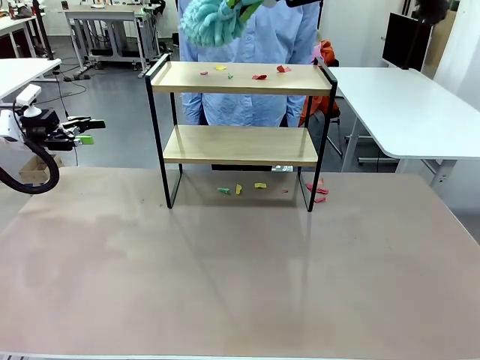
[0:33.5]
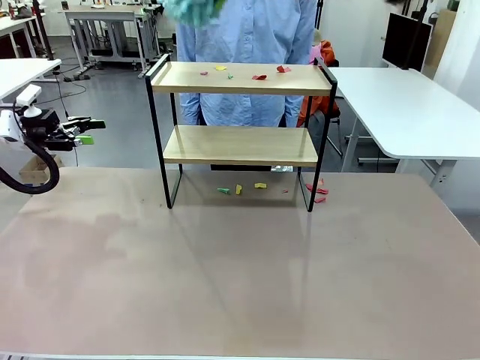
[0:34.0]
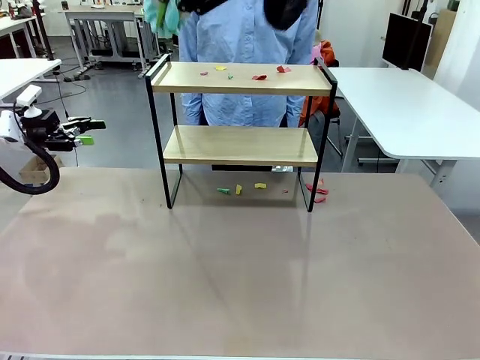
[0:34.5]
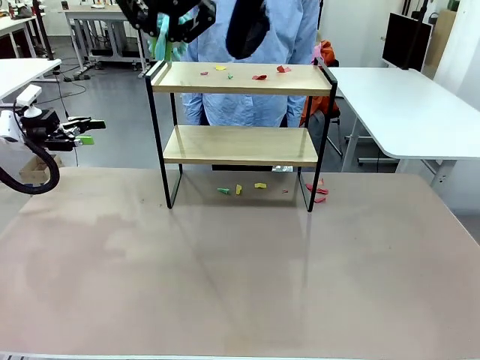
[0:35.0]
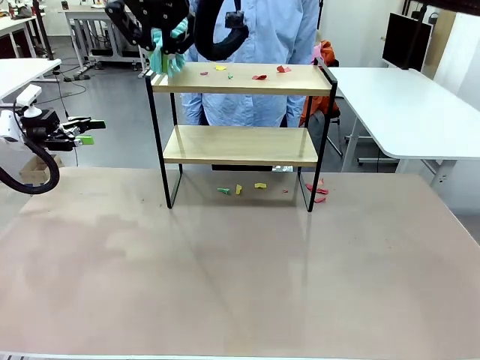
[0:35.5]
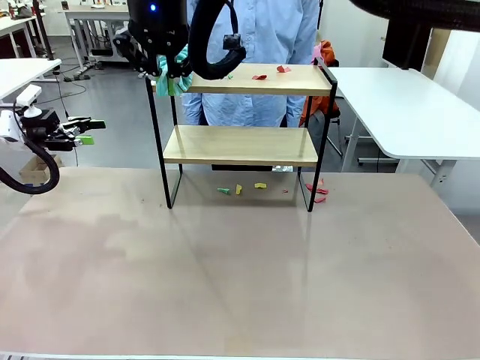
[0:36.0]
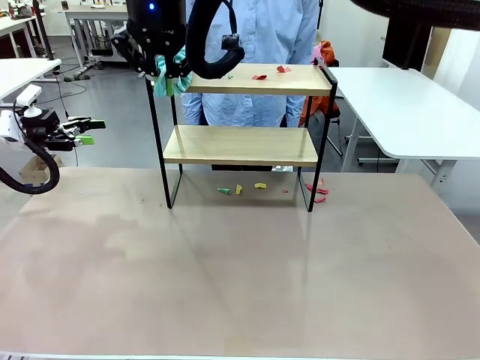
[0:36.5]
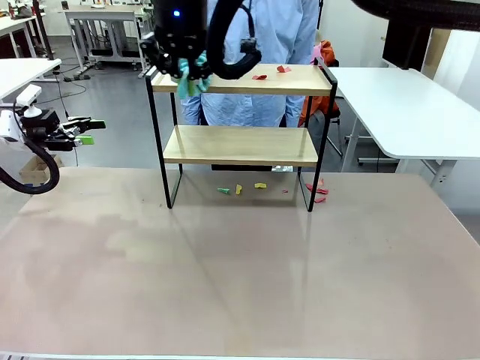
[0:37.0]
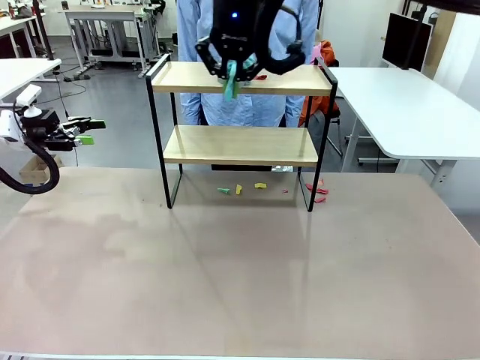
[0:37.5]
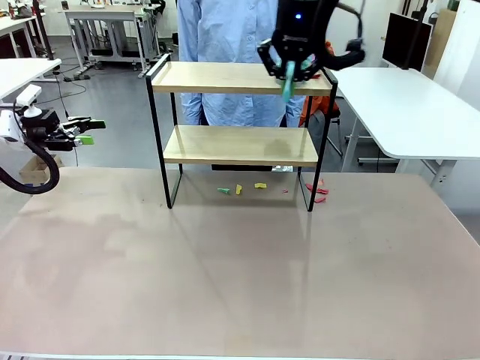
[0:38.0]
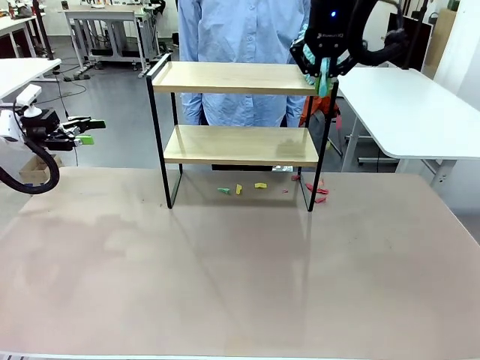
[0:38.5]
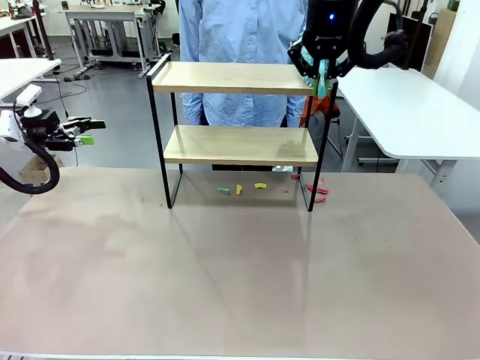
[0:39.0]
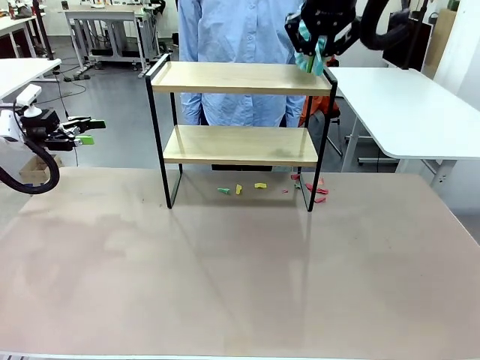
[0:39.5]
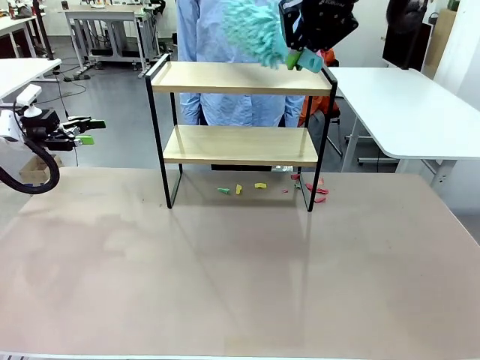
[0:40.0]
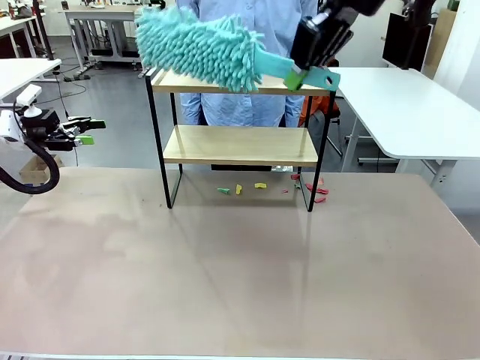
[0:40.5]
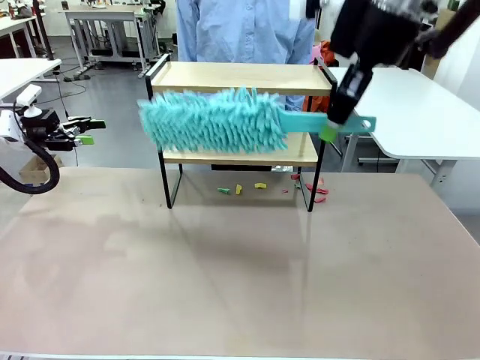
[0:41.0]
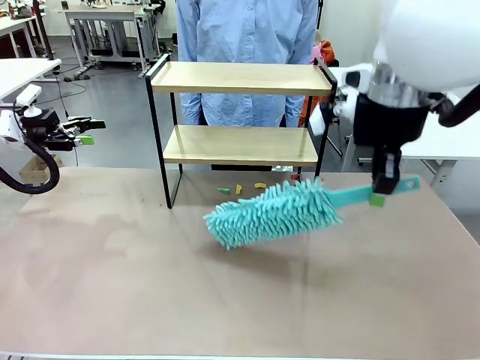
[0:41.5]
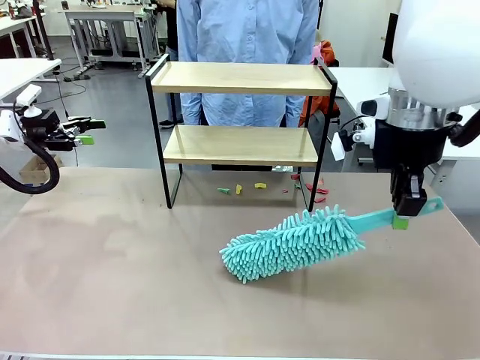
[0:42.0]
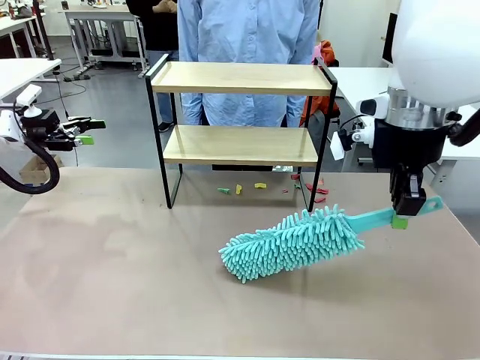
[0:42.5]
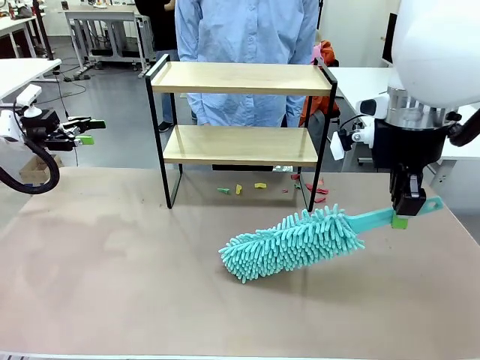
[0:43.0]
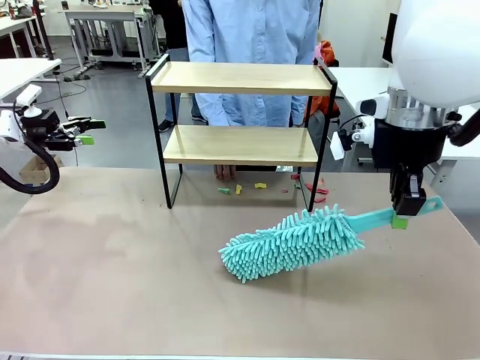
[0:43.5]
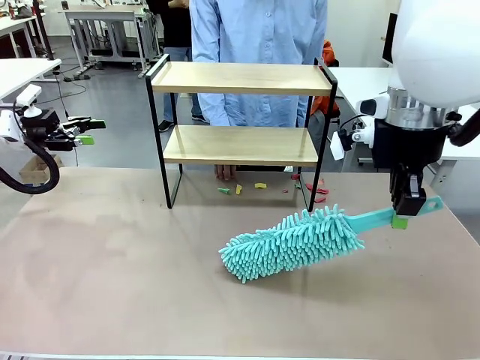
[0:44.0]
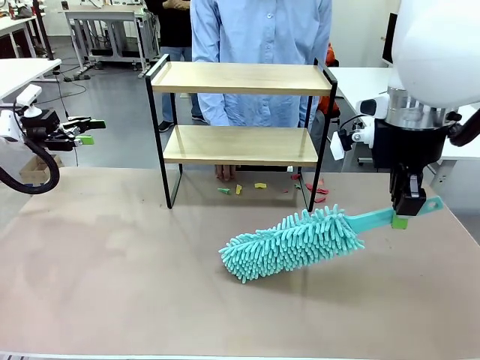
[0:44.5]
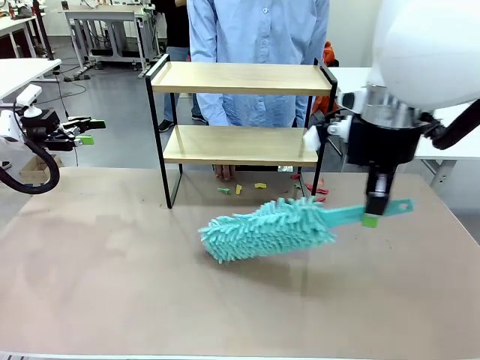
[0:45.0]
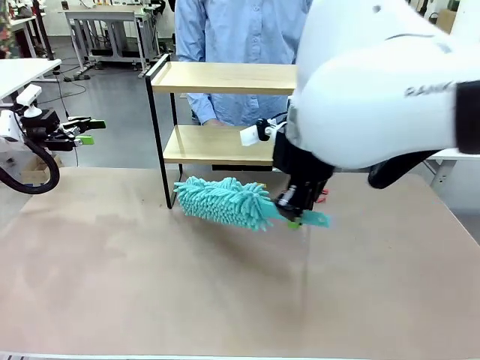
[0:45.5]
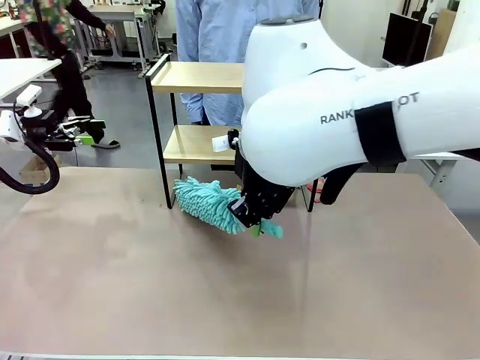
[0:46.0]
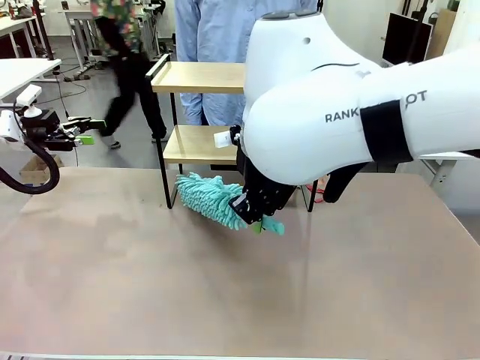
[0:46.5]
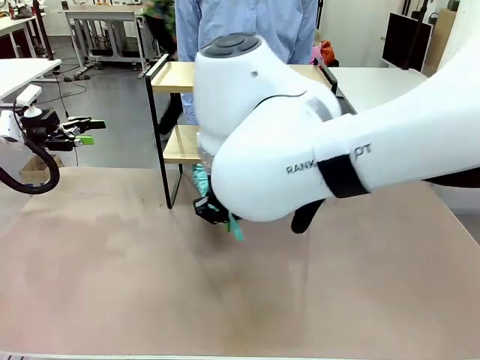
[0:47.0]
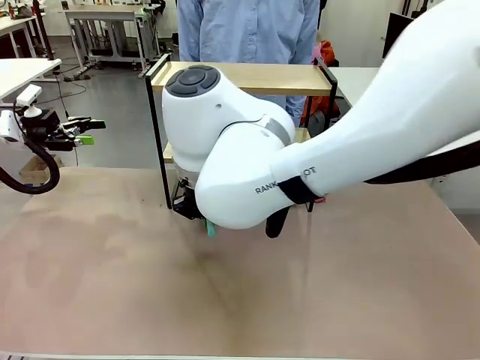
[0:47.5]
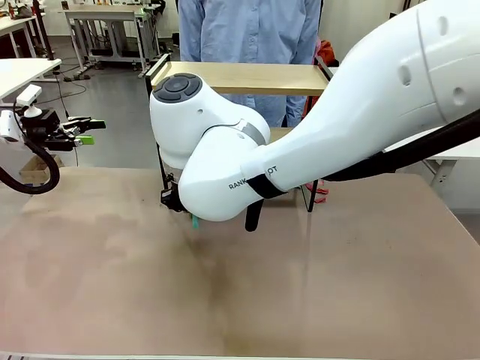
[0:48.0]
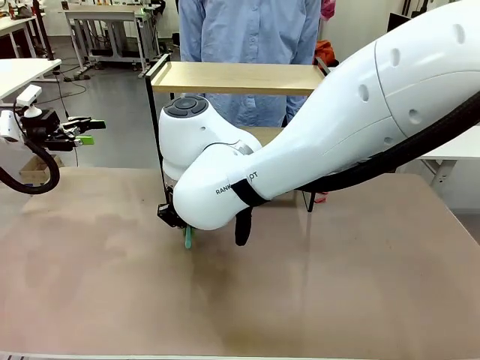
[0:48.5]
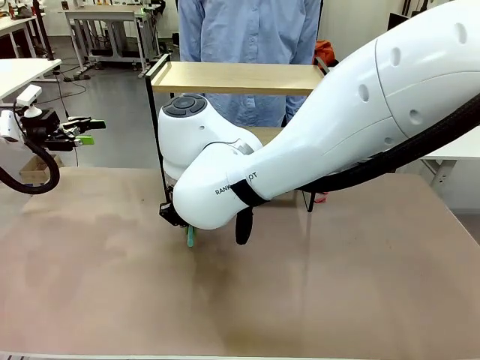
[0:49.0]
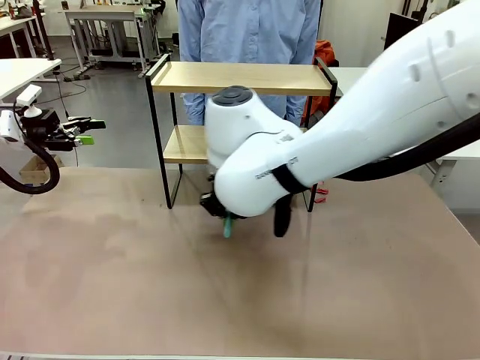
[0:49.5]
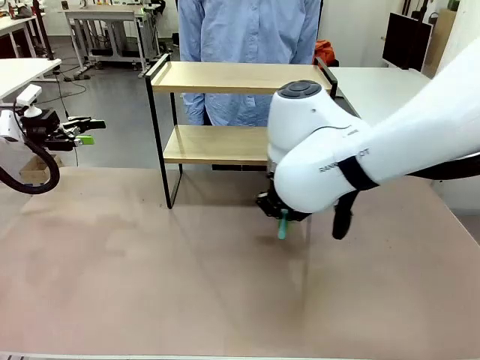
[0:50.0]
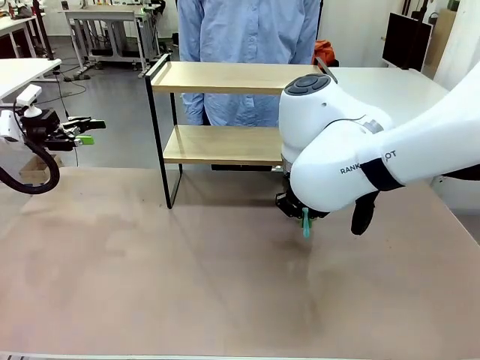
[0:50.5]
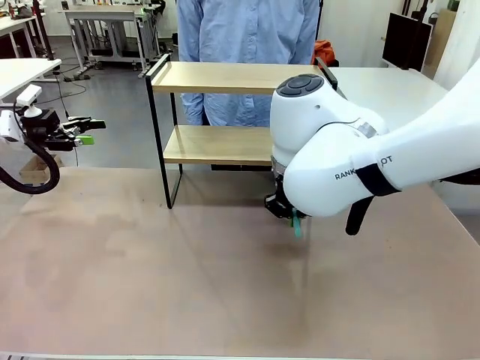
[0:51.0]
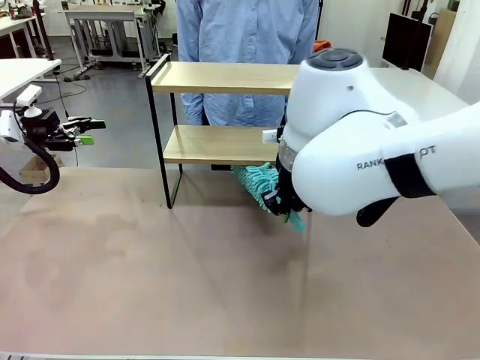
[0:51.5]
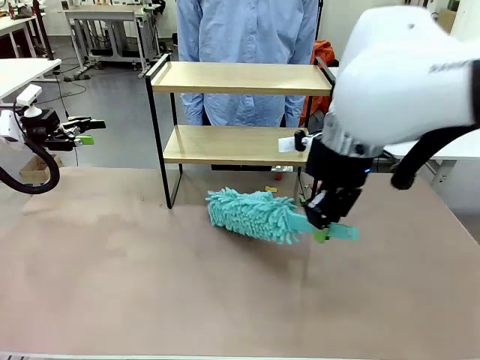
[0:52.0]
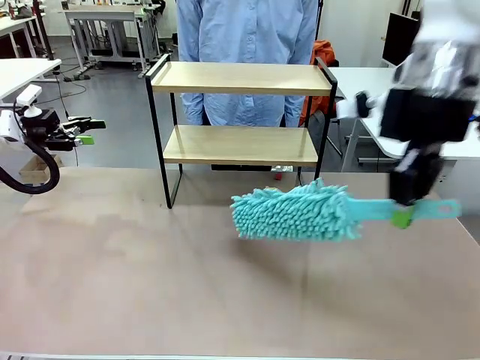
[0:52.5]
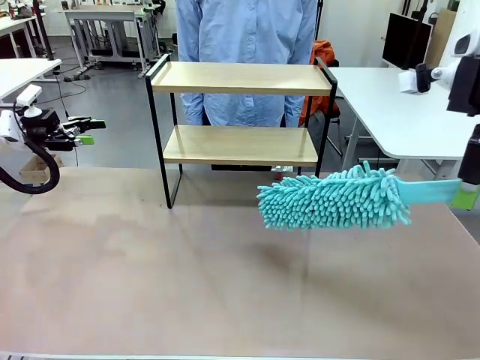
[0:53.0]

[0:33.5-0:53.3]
Task: Clean the shelf.
Robot: Clean the specific section of the Shelf indicated by the human with the Duster.
Person: Point a remaining section of the Shelf.
